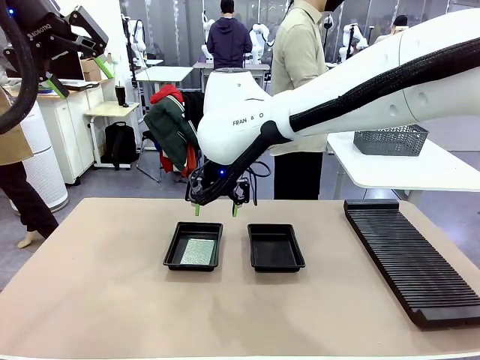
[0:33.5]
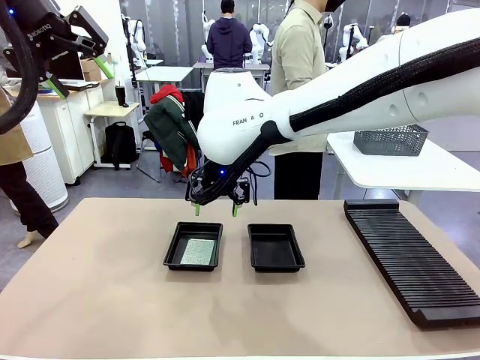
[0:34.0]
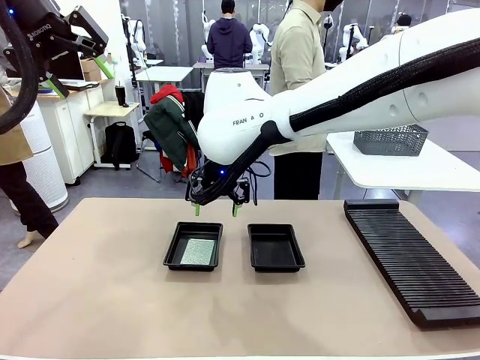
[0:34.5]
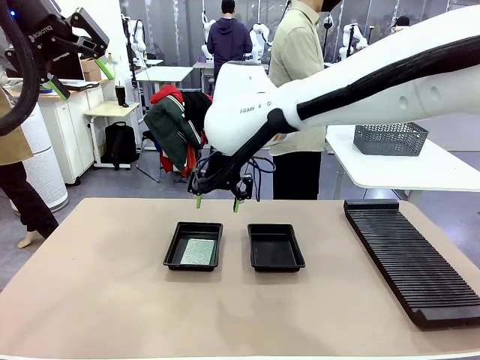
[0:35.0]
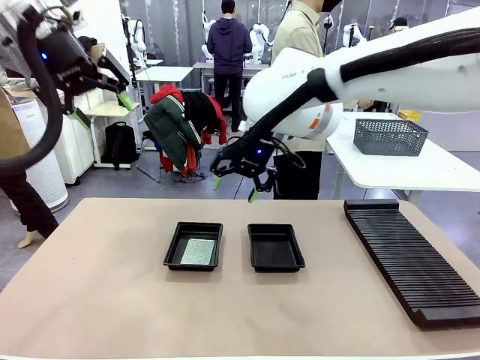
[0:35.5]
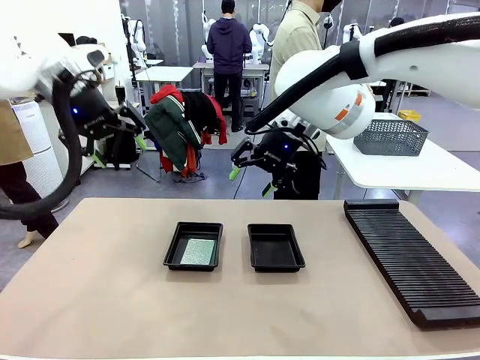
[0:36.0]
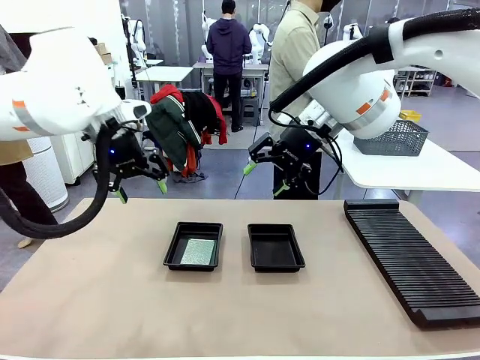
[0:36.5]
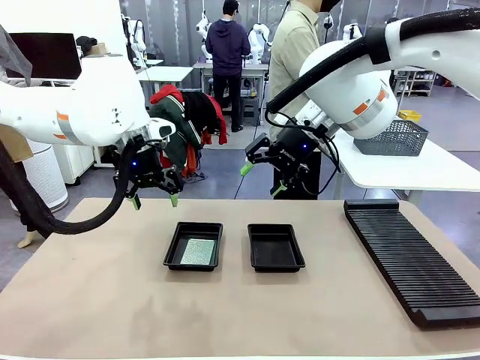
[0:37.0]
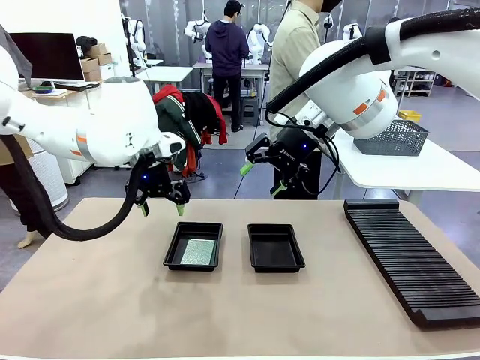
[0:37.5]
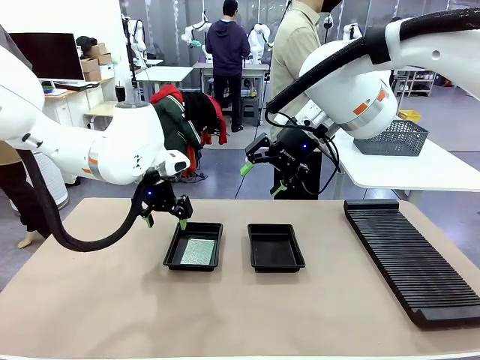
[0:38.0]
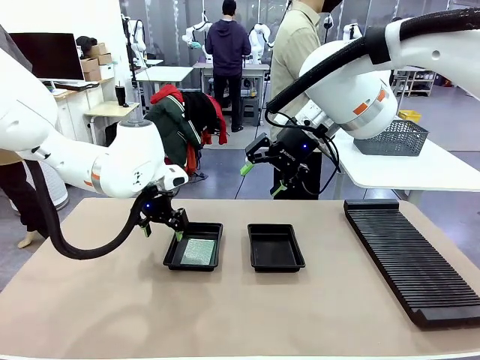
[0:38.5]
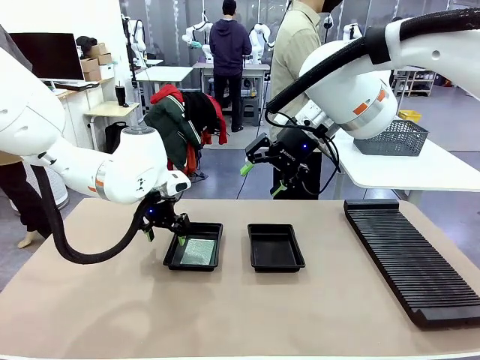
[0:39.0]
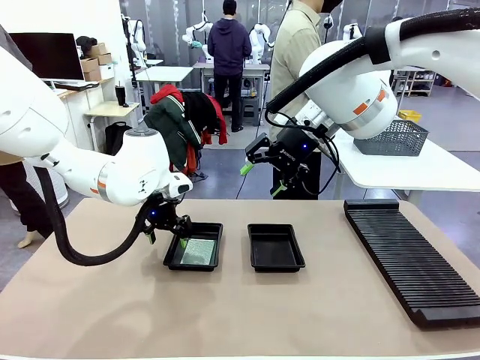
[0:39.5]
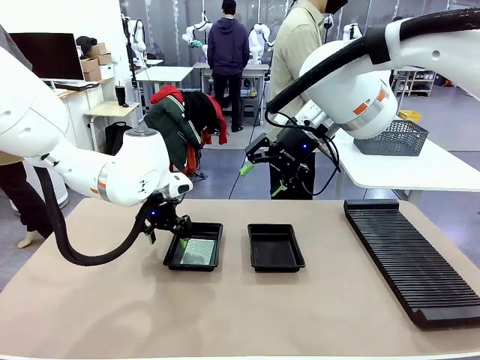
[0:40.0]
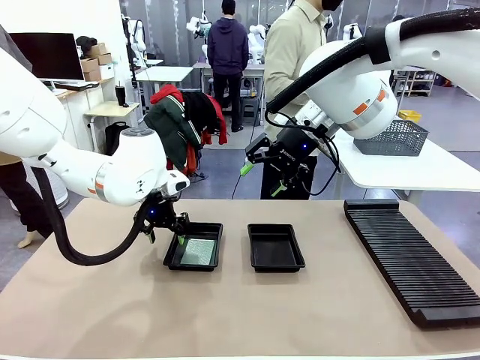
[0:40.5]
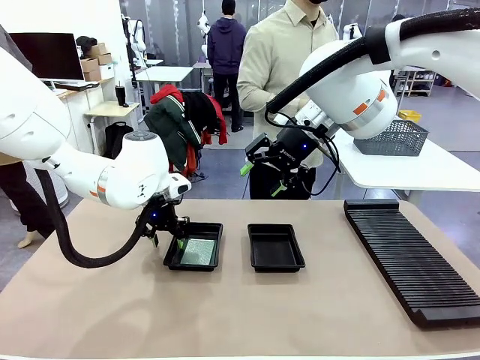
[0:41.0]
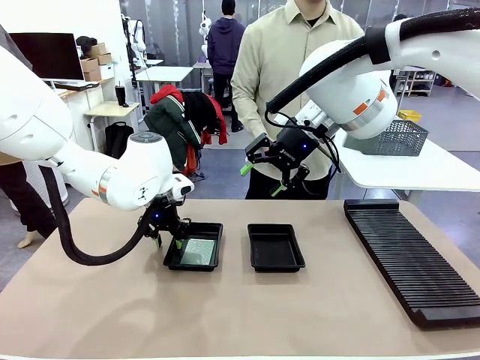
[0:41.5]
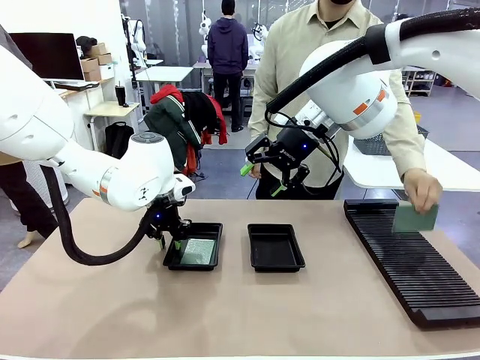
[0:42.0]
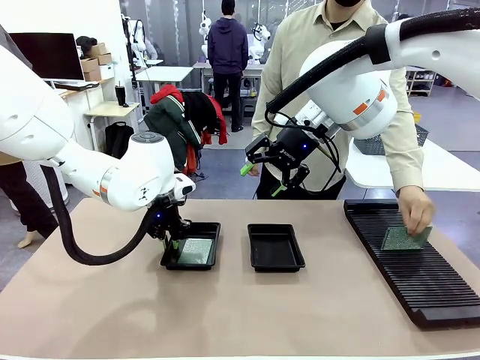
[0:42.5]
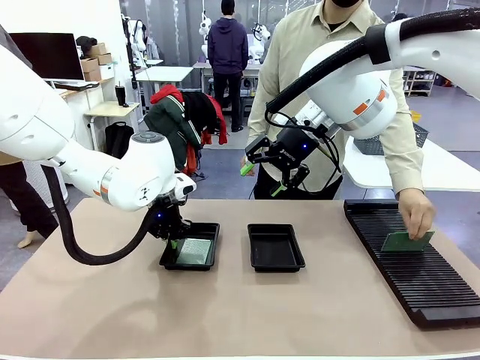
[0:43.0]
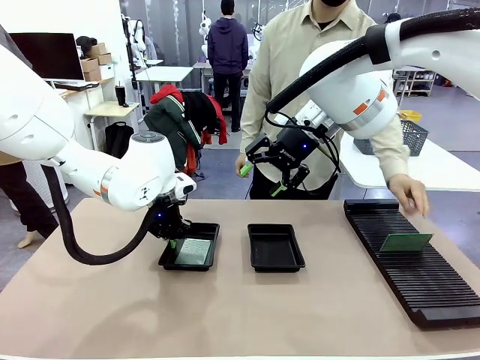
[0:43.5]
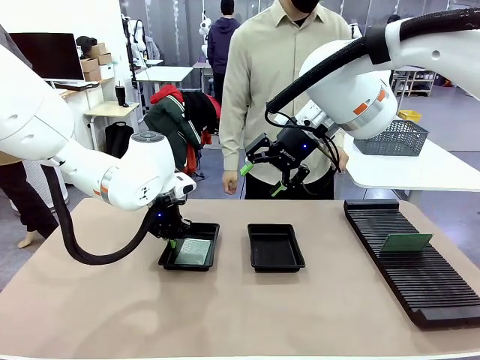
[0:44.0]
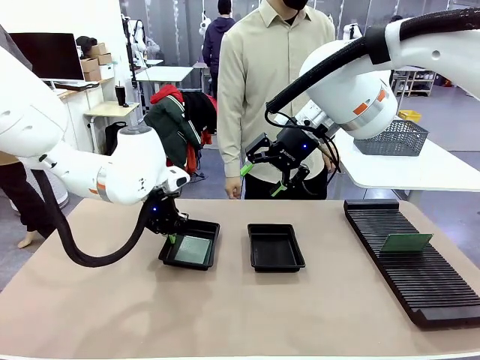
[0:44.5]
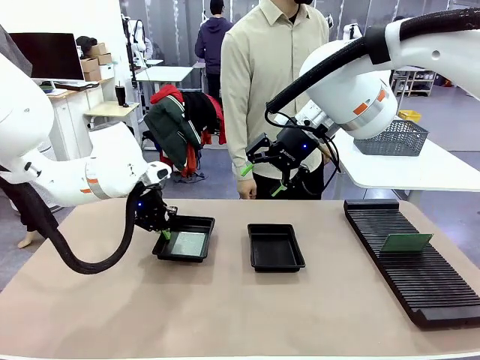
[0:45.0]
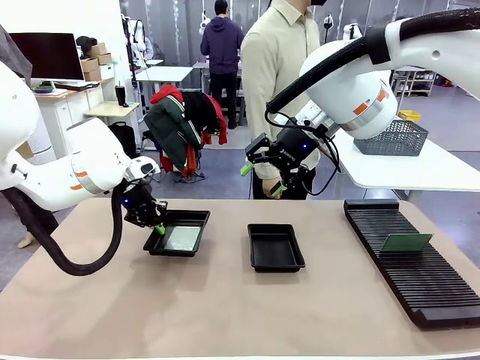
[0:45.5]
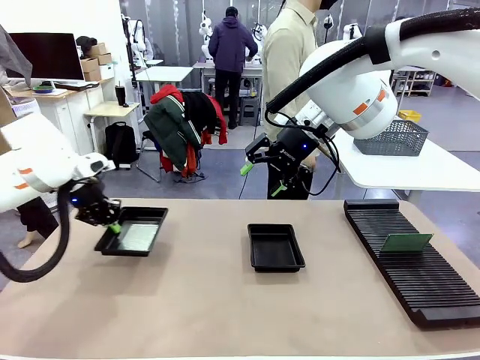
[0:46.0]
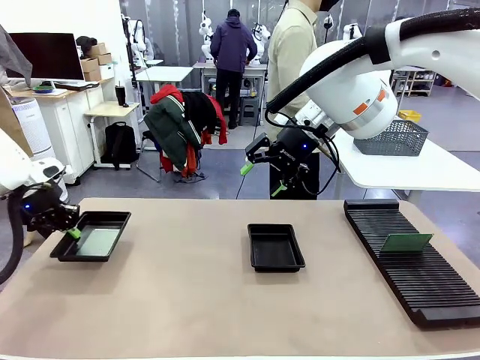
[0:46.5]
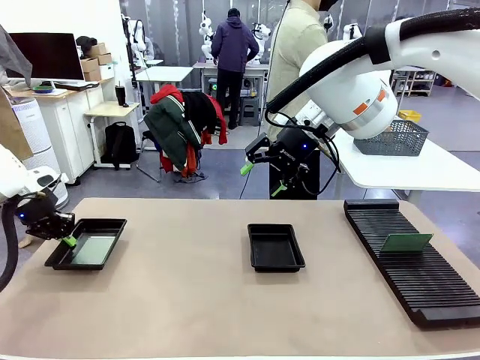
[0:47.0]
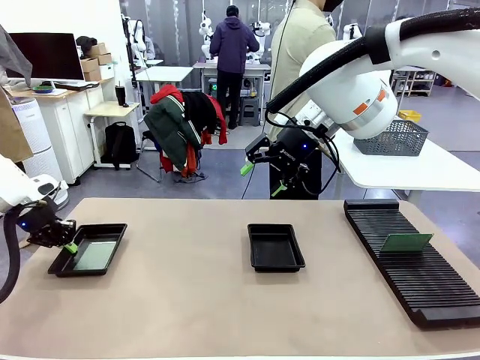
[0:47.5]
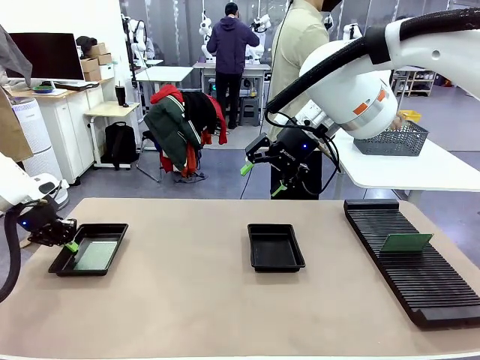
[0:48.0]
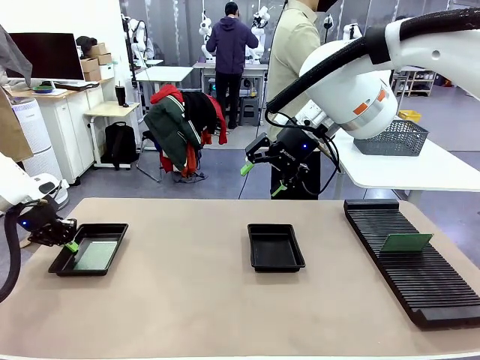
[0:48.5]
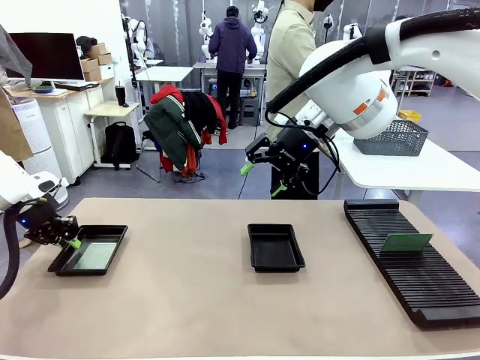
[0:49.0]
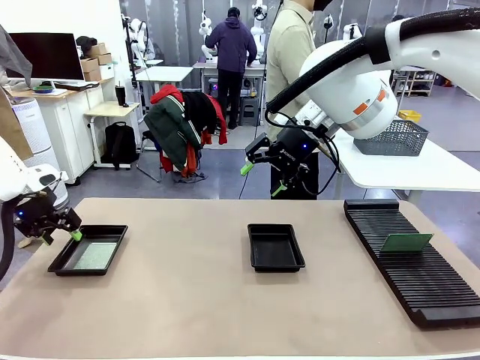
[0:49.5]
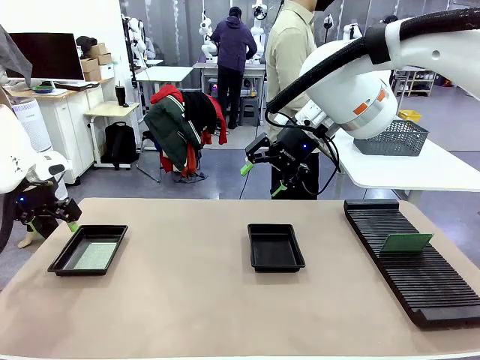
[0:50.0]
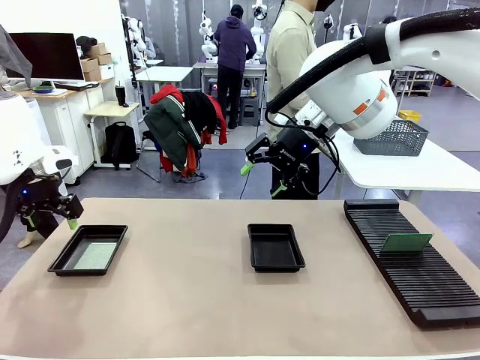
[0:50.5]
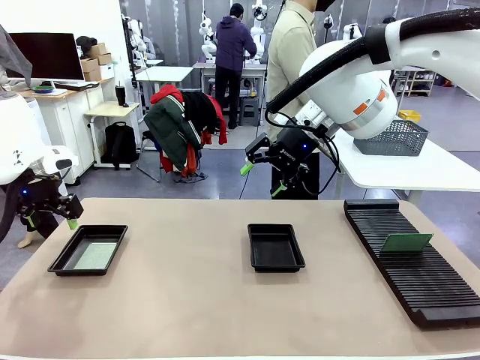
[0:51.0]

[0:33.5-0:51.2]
Task: Inspect and transfer BCBs to ESD trays.
Robot: Pick up the ESD tray and place it on the left side of the table.

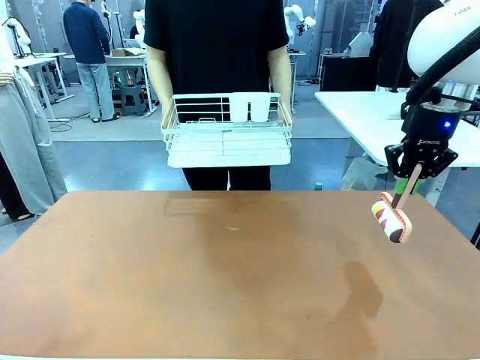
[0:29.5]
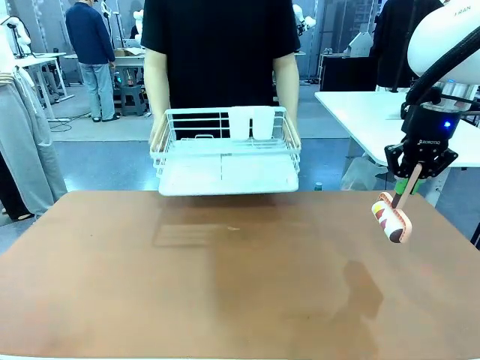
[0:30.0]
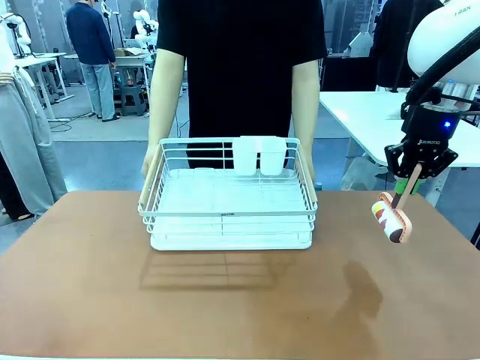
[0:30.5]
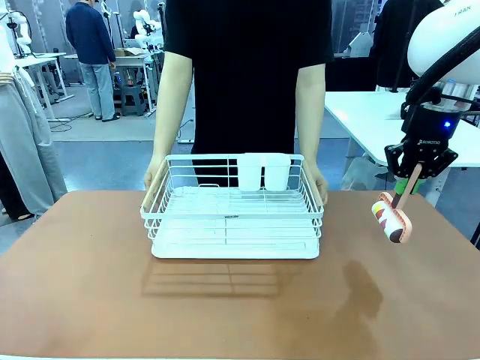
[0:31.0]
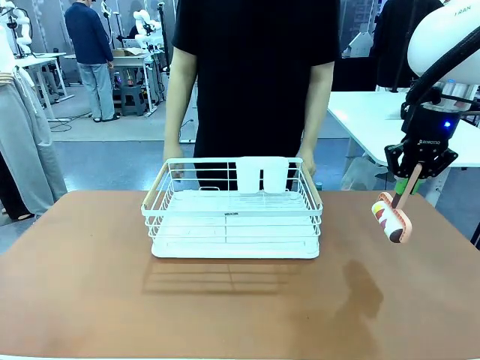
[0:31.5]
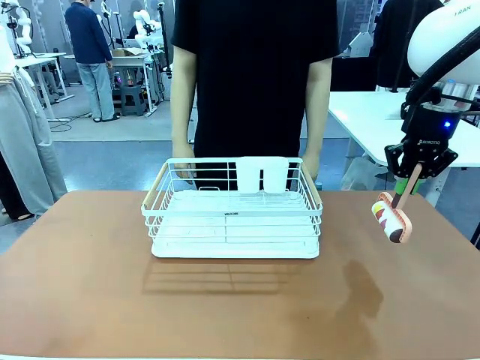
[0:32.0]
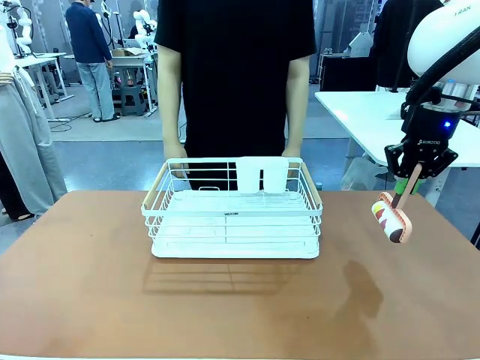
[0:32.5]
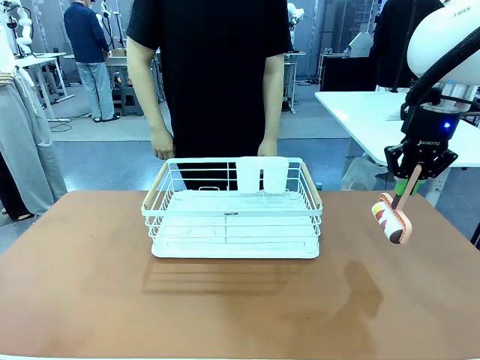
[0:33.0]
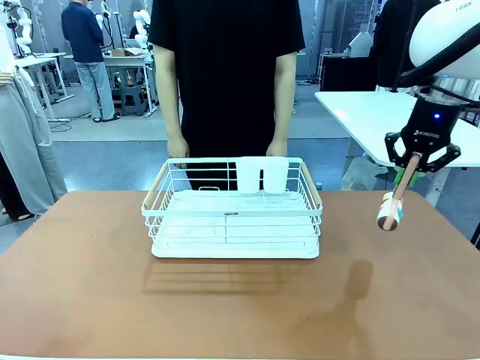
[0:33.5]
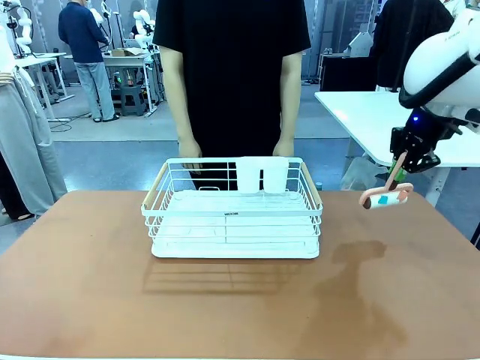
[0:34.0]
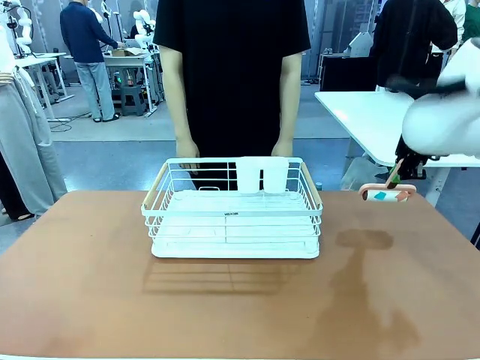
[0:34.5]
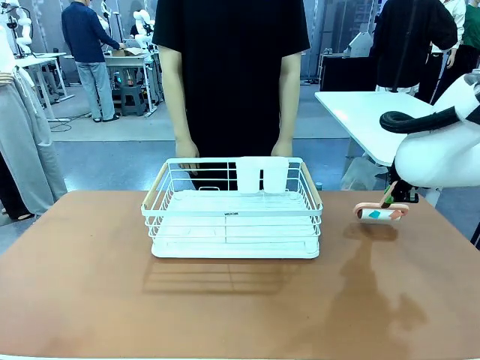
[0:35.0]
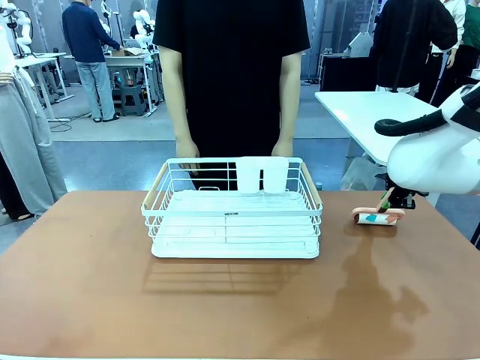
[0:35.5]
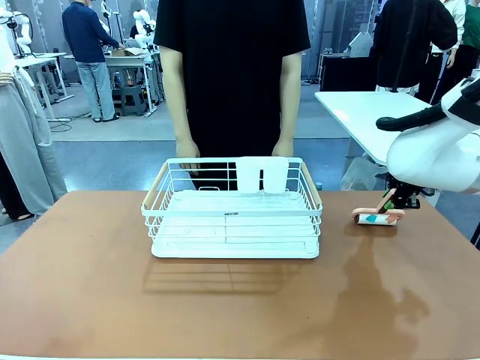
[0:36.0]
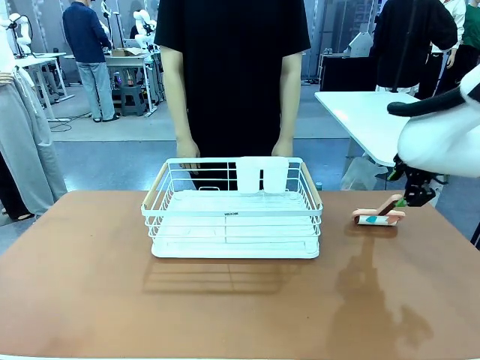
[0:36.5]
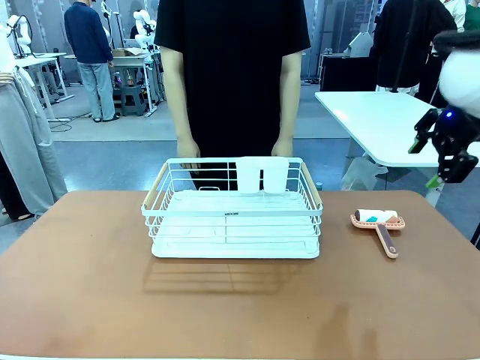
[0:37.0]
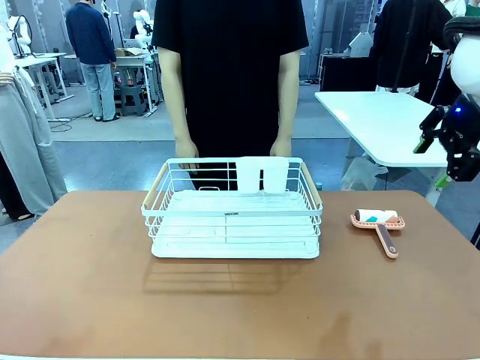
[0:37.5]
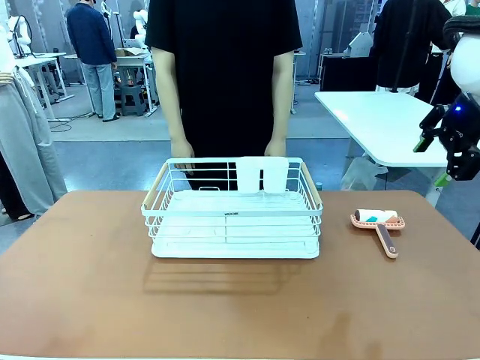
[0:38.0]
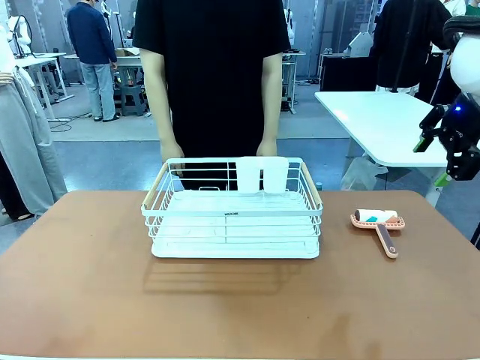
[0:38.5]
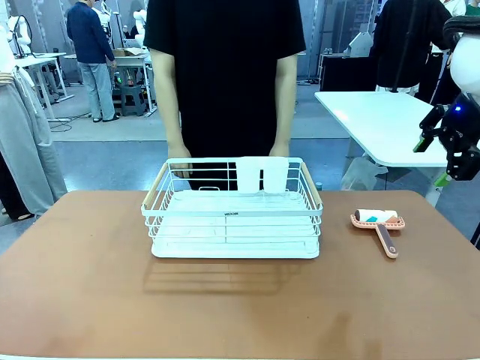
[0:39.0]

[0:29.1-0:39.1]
Task: Clean the table.
Robot: Place the Lint Roller down when the Dish drying rack is positioned in the middle of the table.
